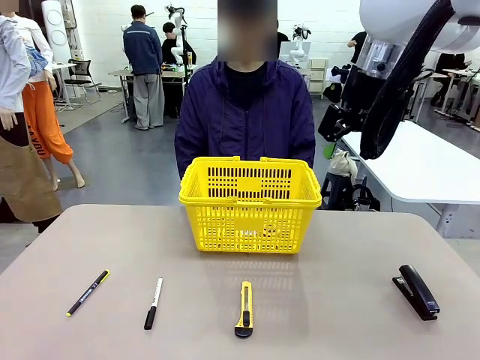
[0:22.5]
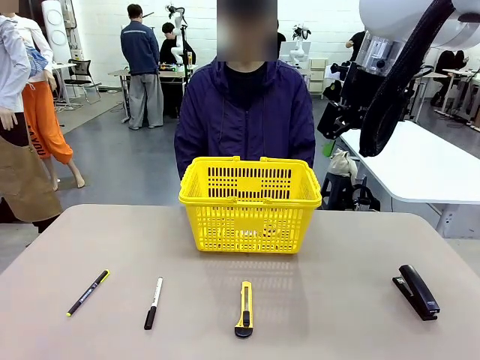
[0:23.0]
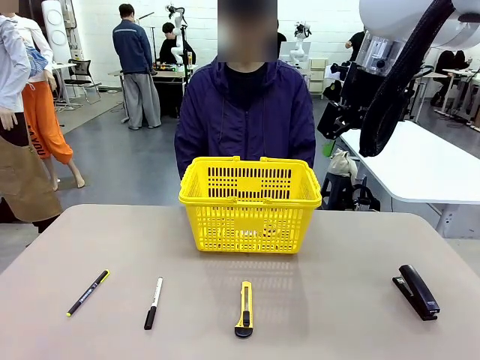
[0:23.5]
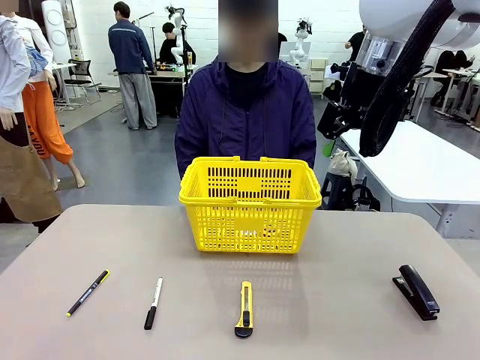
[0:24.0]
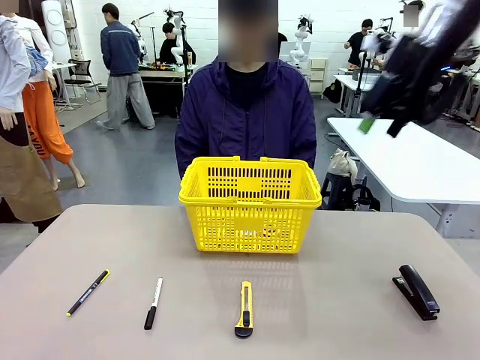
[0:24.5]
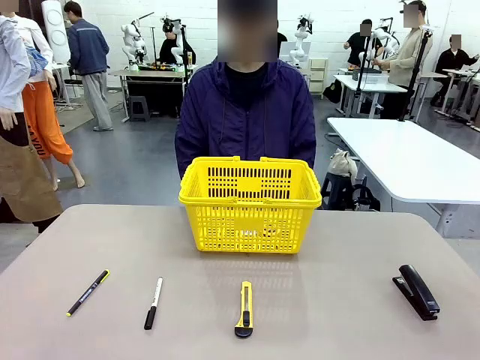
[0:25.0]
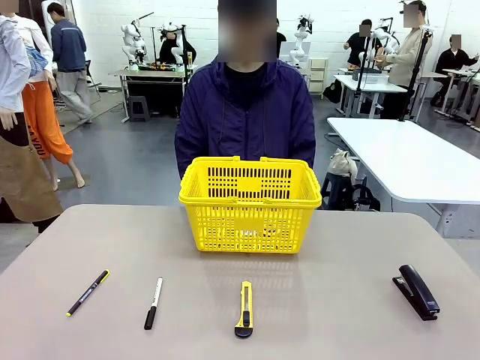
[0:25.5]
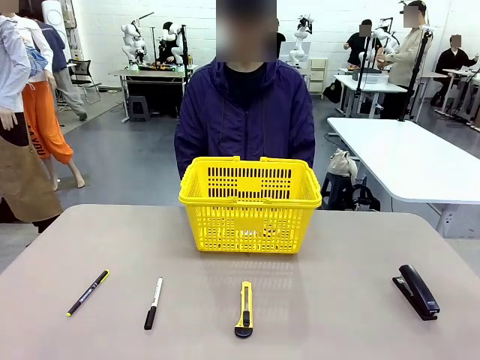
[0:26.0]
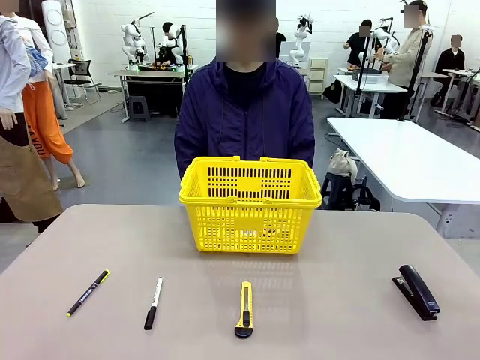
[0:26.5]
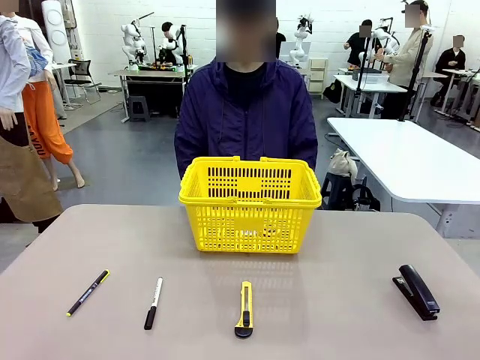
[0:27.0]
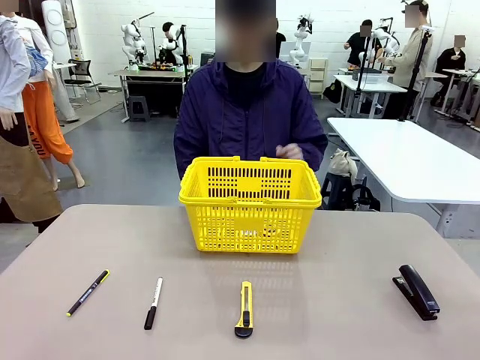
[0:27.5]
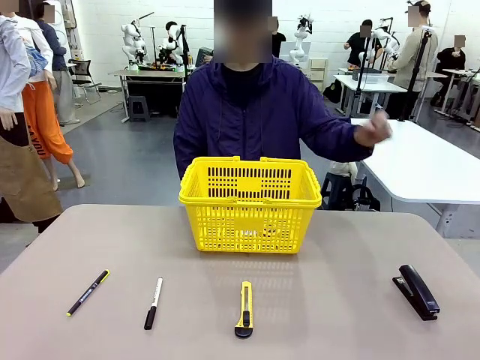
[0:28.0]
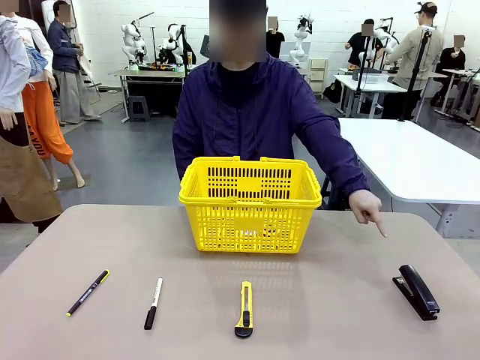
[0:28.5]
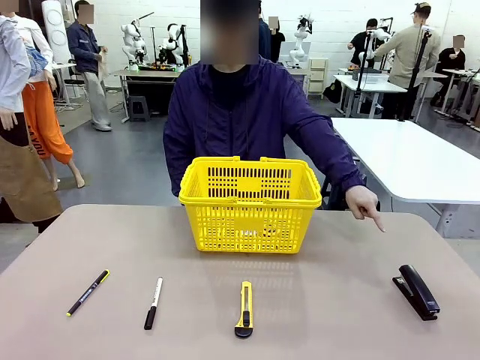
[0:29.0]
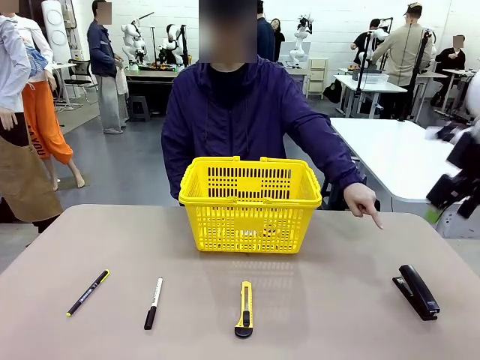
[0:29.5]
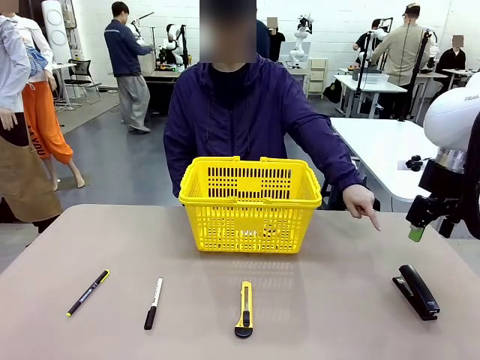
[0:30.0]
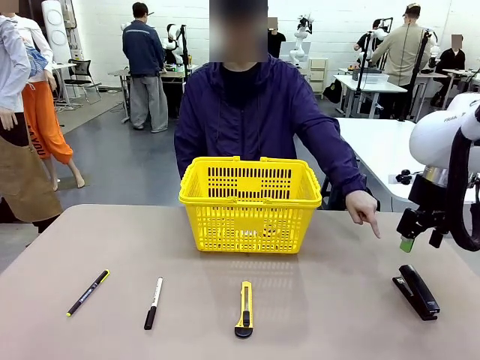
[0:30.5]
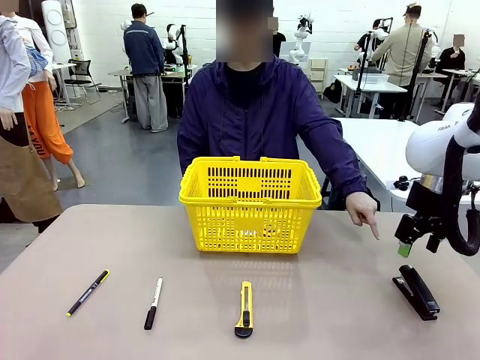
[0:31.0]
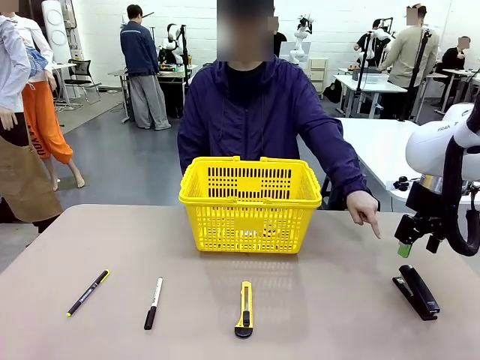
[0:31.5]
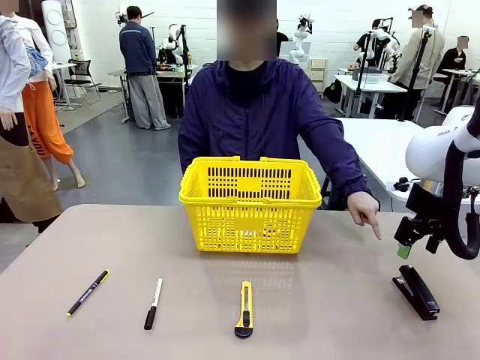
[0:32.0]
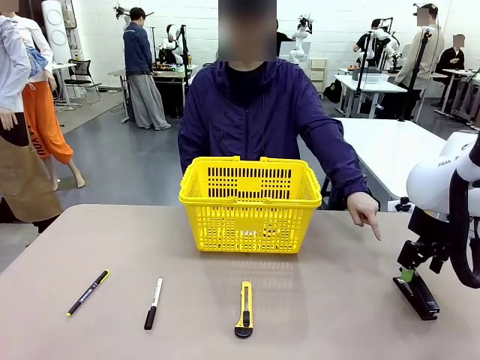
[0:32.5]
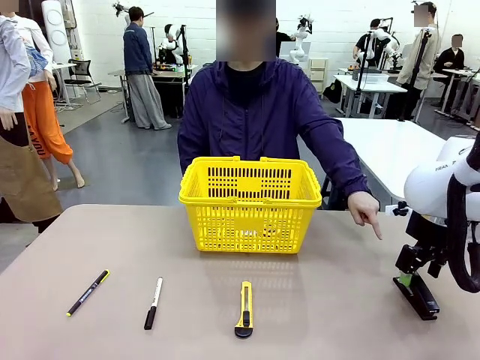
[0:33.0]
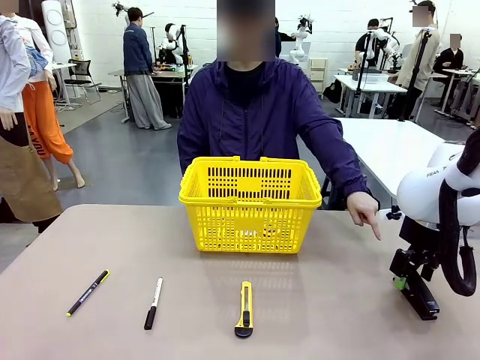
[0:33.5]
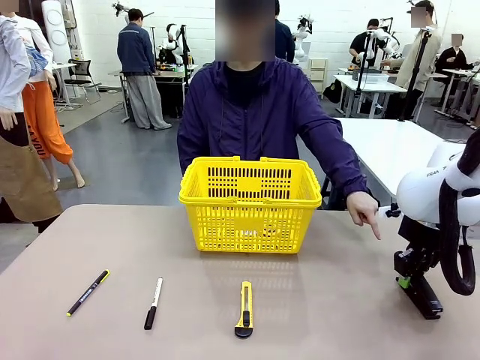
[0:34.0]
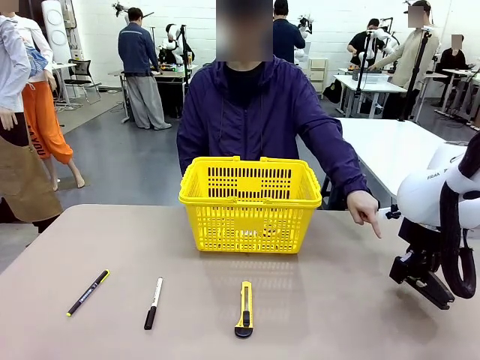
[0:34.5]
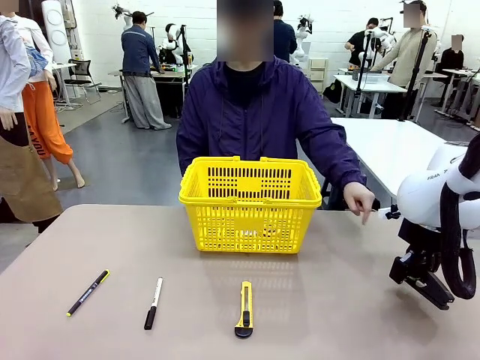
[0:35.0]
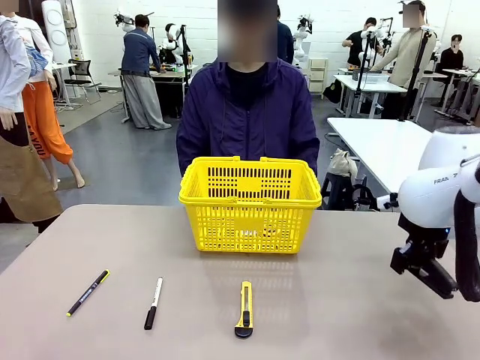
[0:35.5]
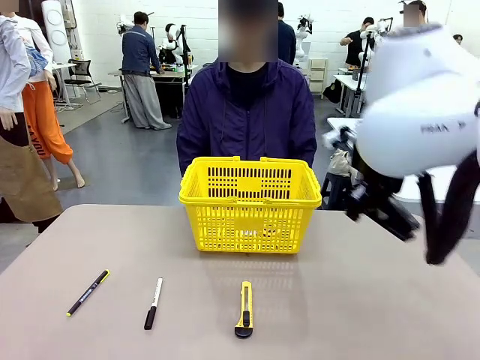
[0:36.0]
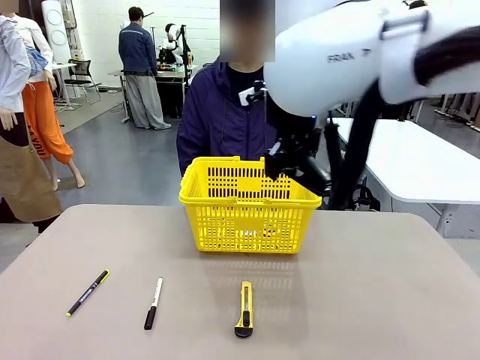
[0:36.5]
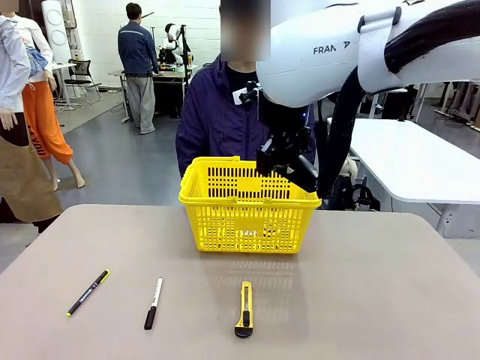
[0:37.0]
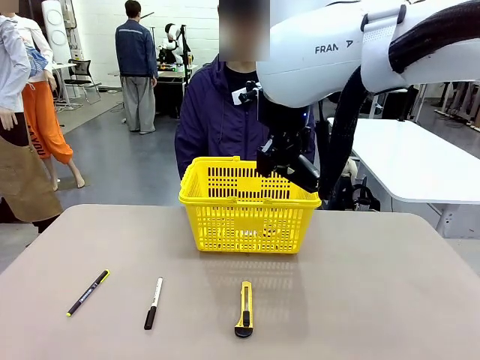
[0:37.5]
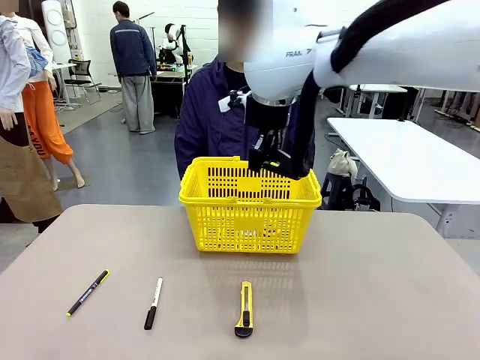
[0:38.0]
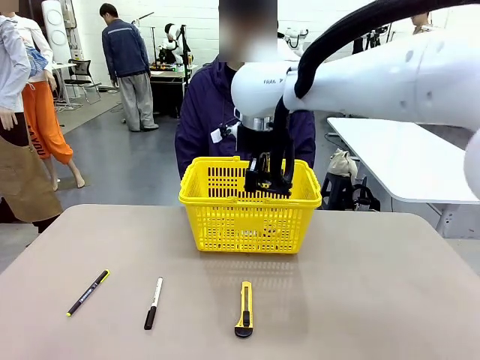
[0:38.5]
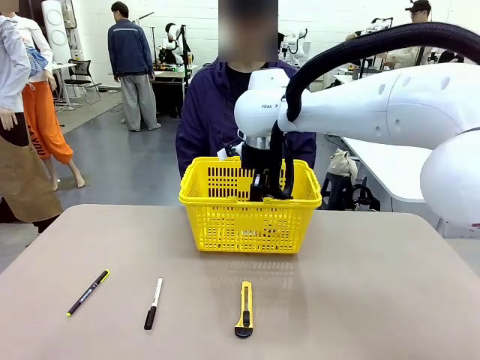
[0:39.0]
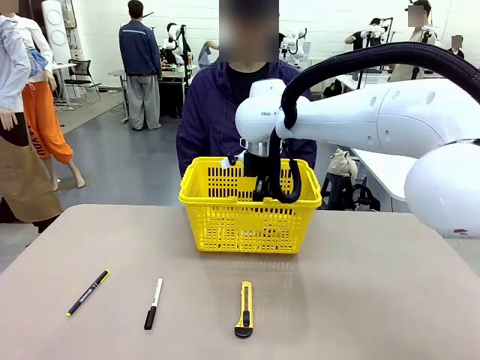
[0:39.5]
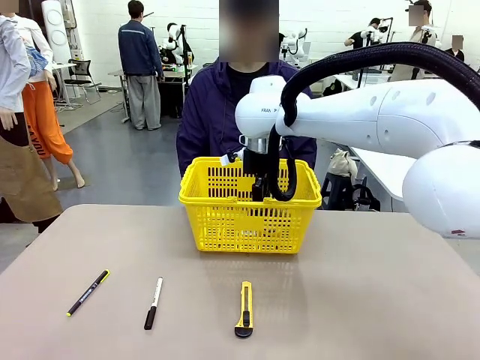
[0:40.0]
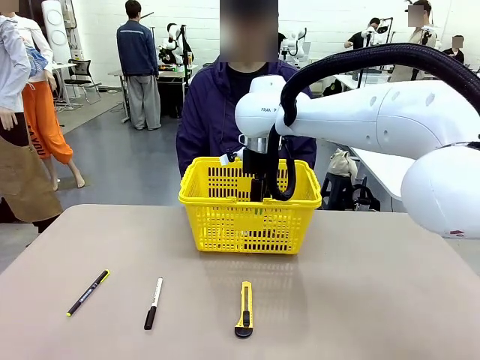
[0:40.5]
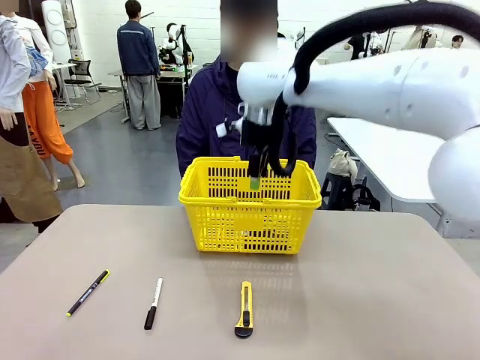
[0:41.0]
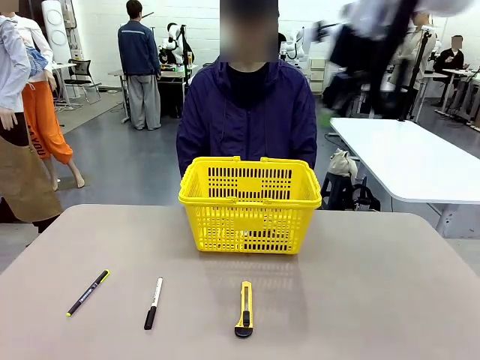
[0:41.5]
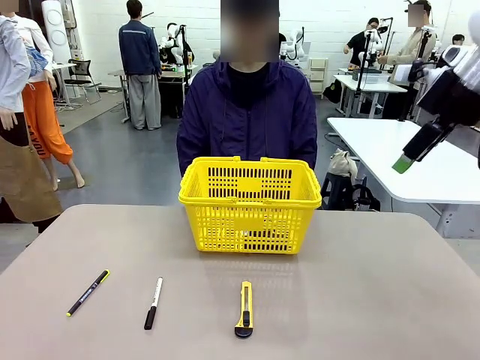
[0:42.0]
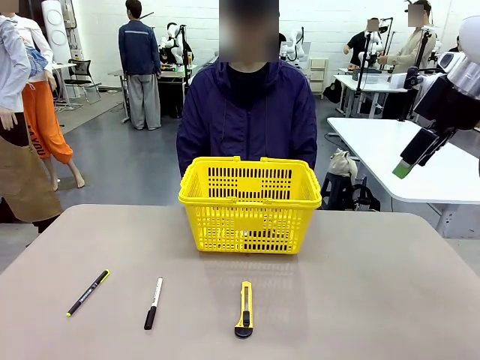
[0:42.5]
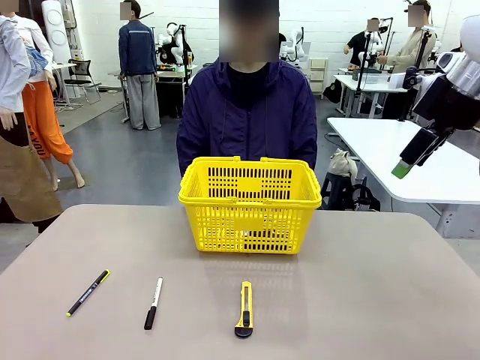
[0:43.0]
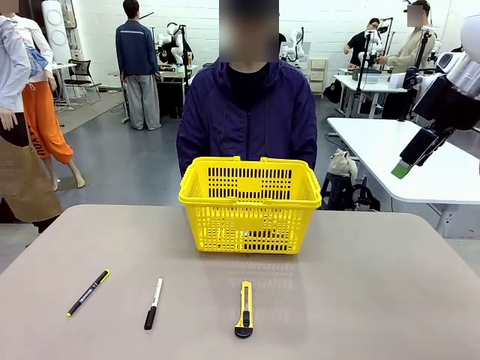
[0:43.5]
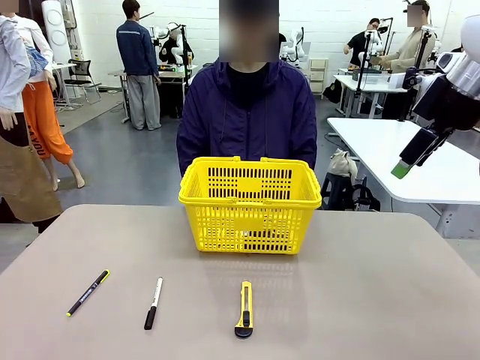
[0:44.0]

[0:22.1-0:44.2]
Task: Place the items the person wants into the basket.
Robot: Pick up the item the person points to and place it in the Market Basket.
